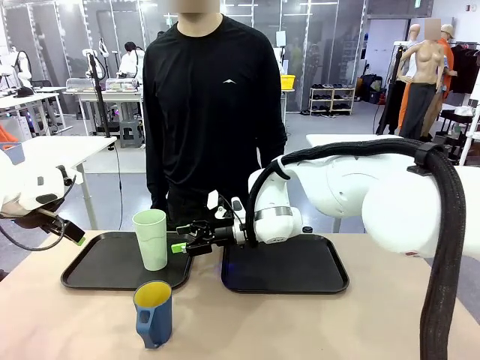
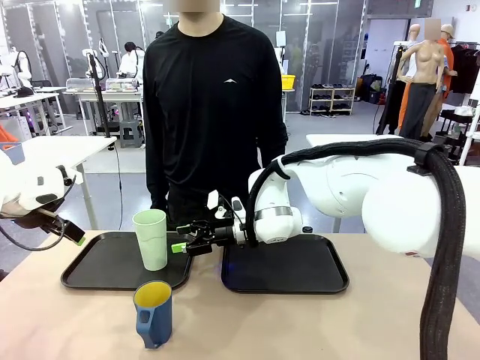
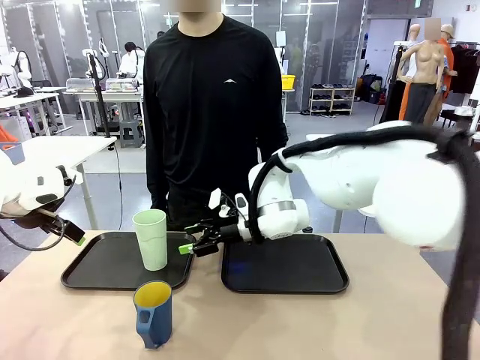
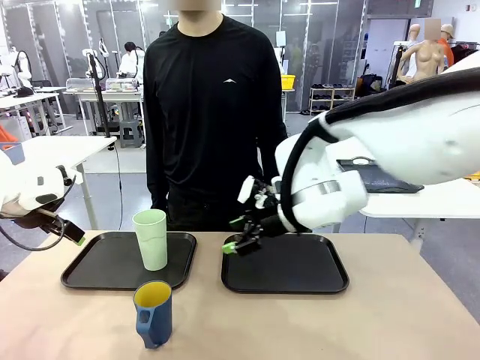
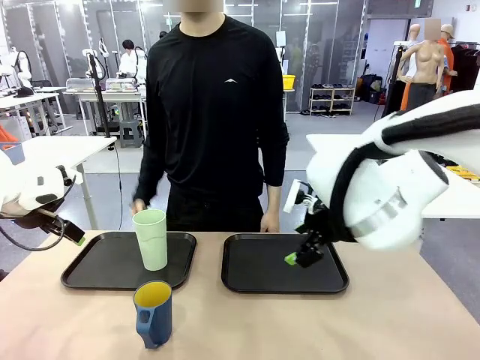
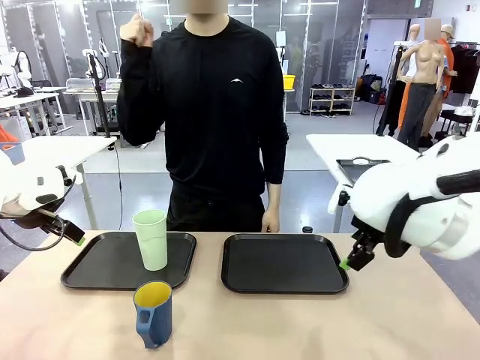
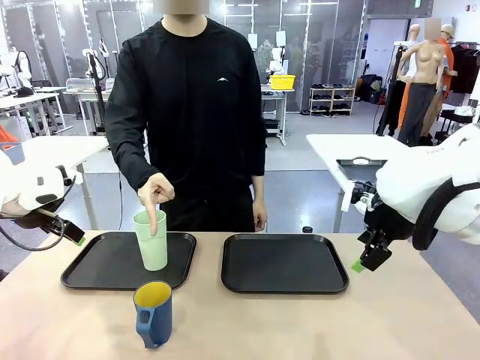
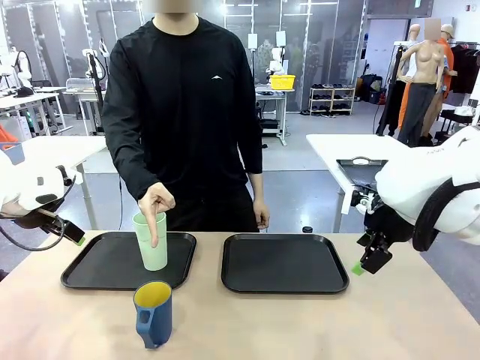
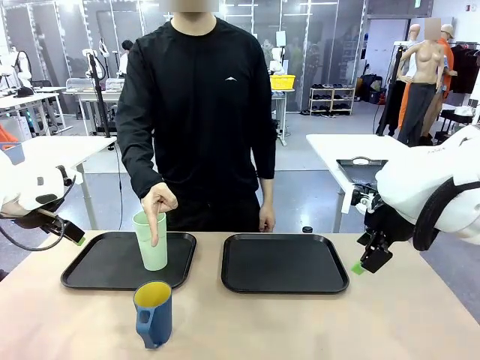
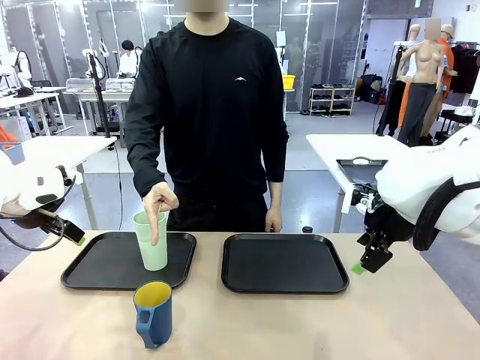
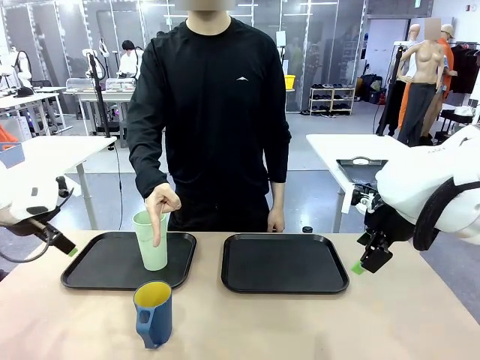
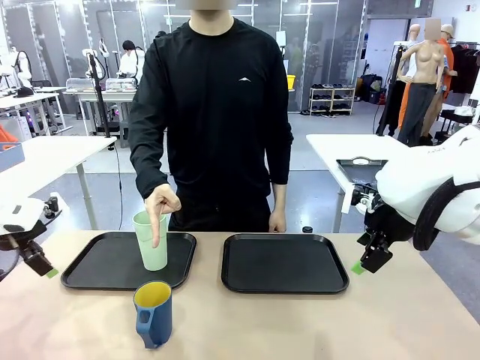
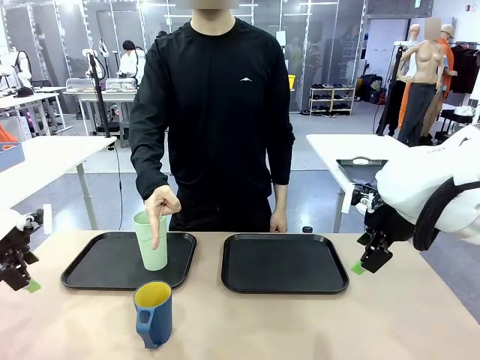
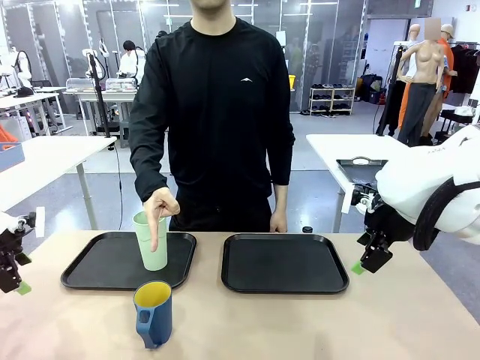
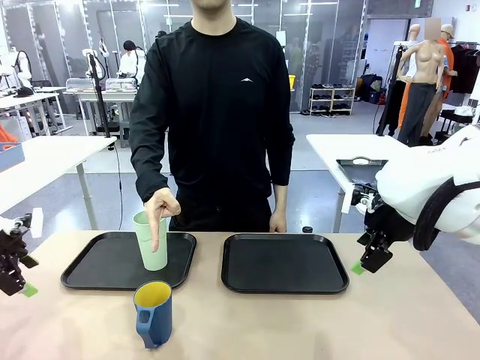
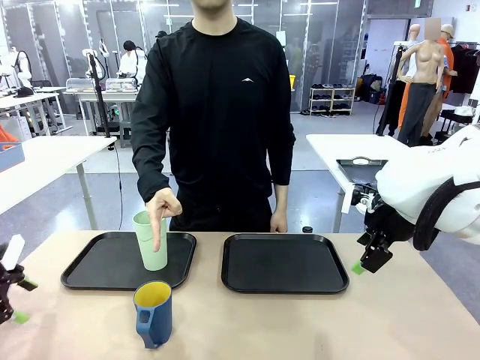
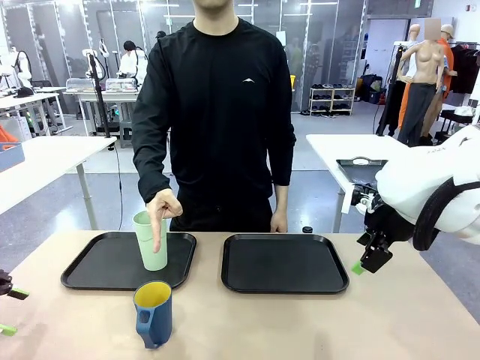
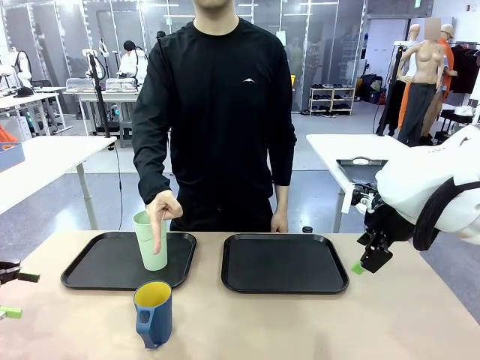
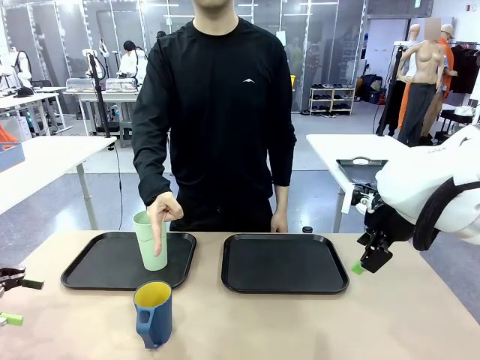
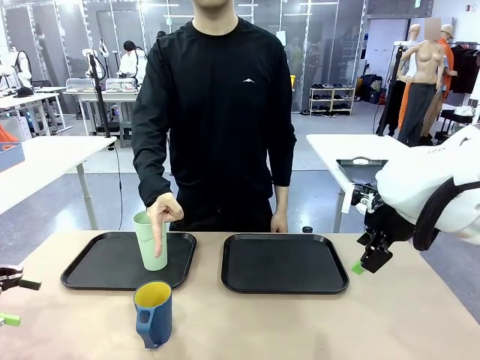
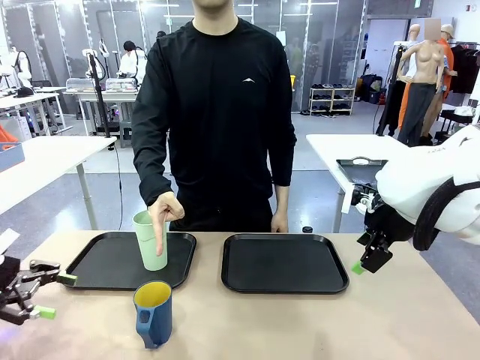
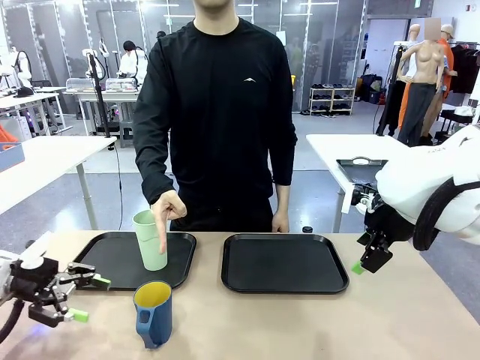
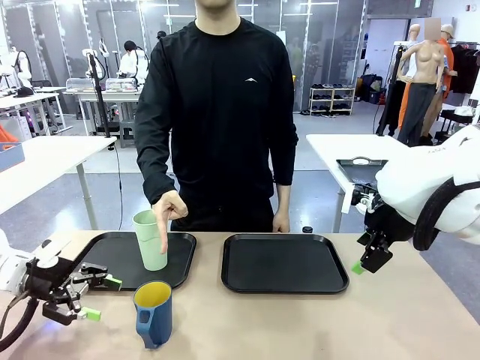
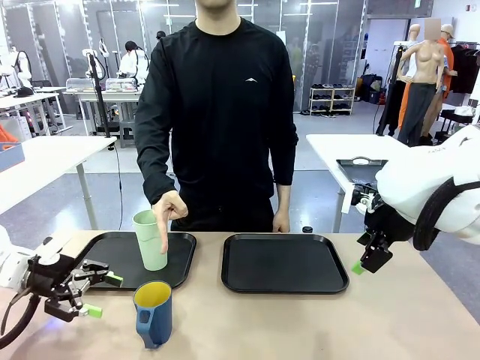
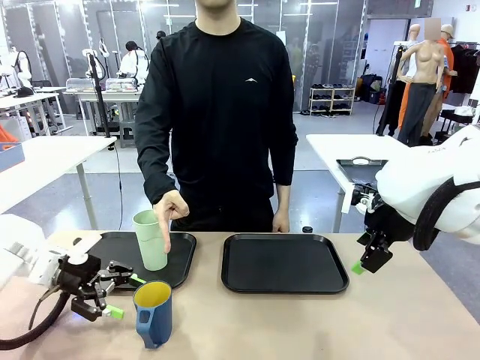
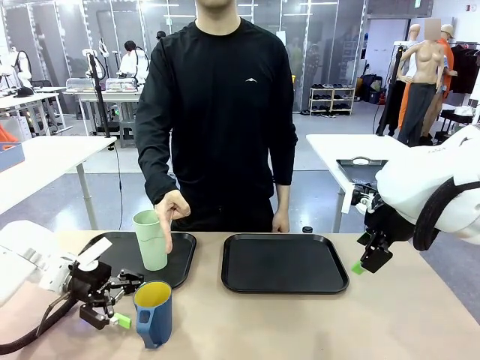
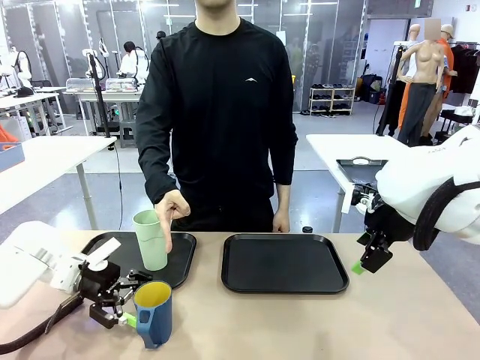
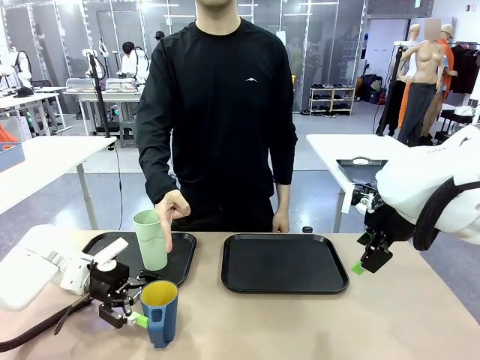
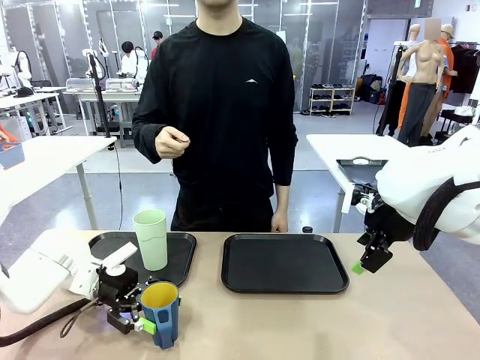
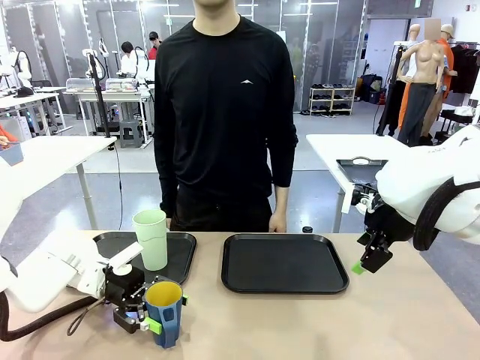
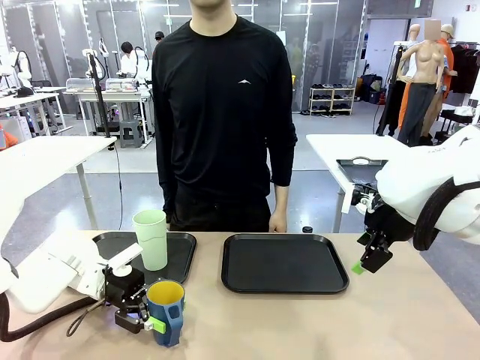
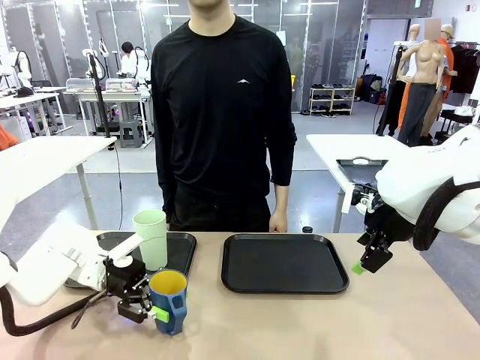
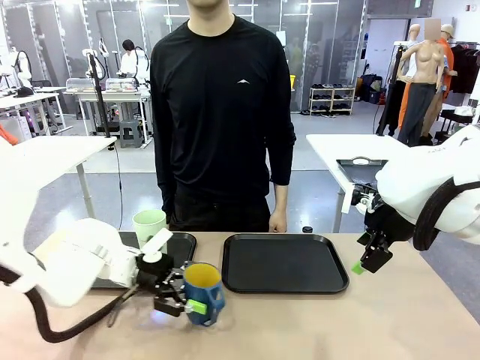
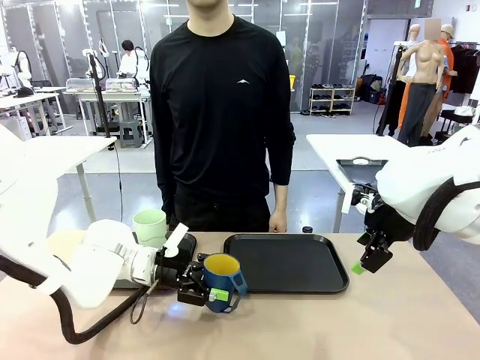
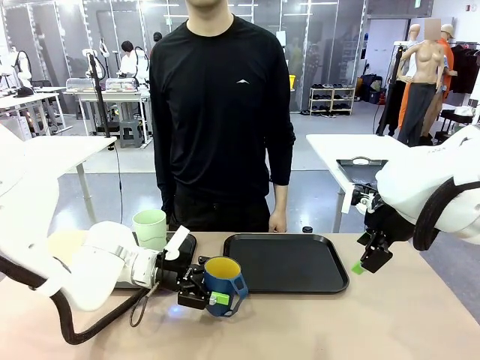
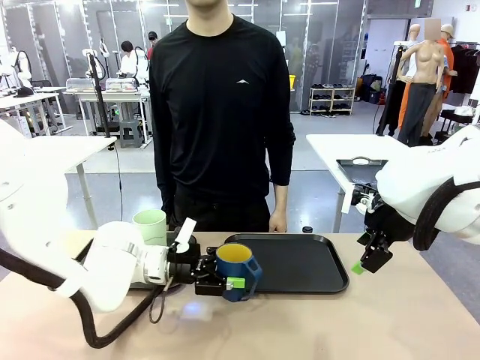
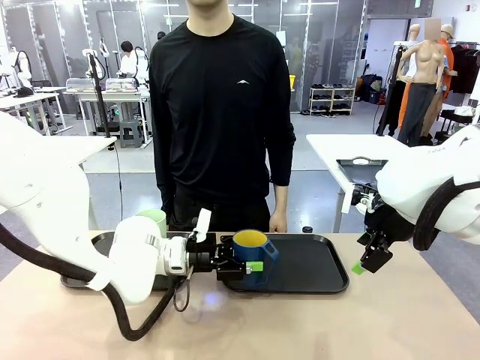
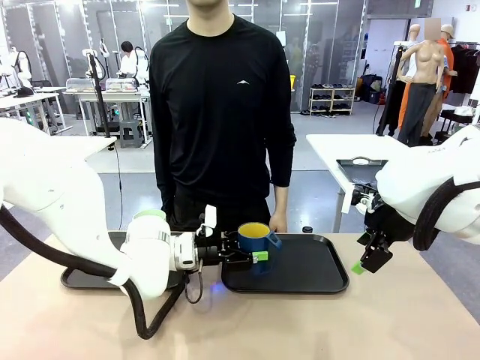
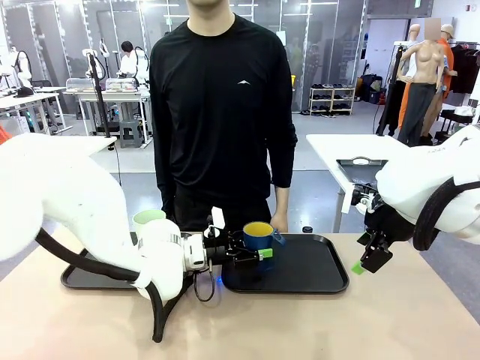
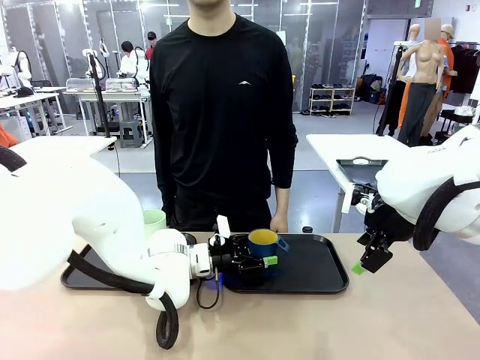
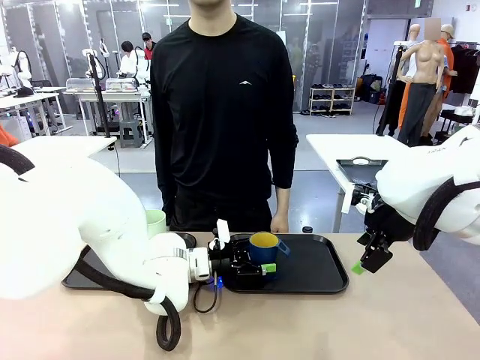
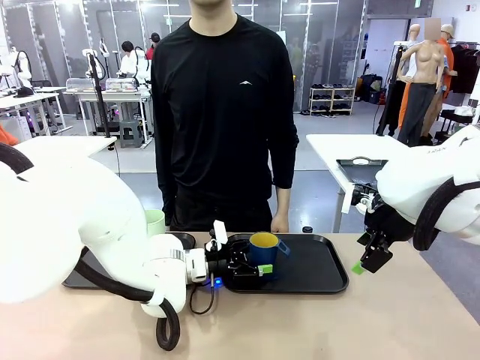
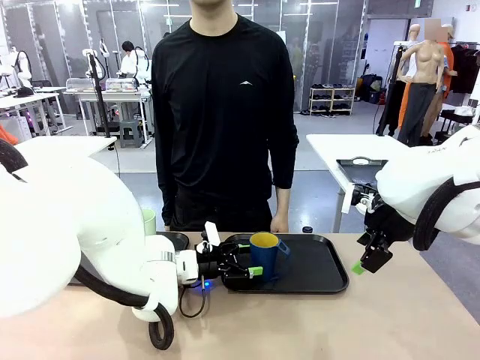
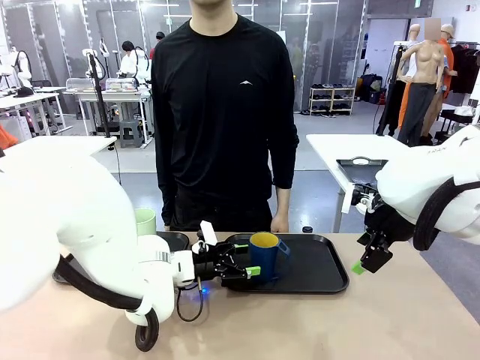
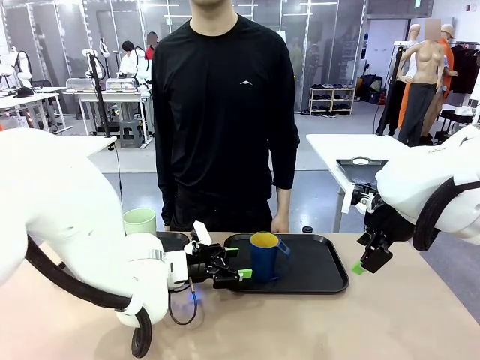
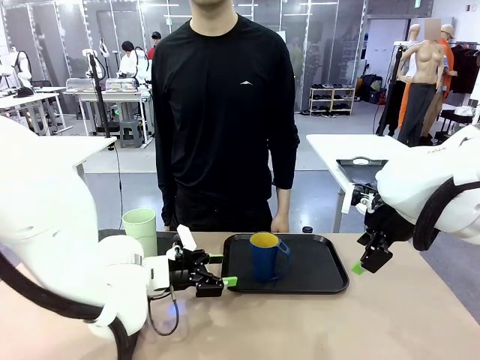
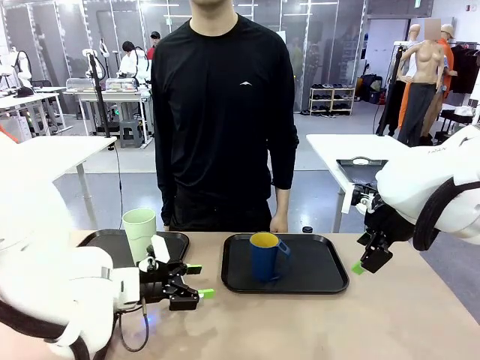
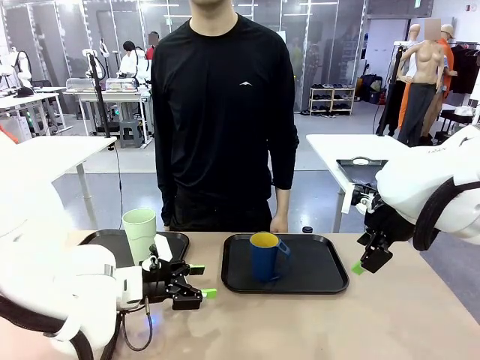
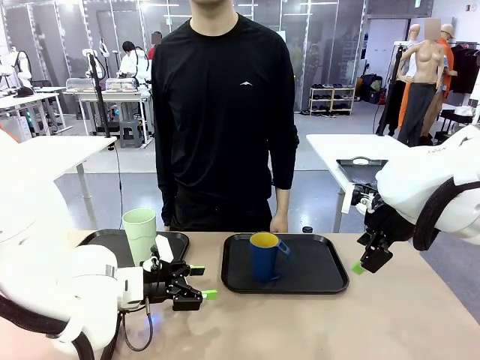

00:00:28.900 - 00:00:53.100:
Task: Sort and store the cups by type.
Robot: Pick up the Handle plastic cup and place it into the empty Flat Tray.
Person: Points to the cup with a handle.

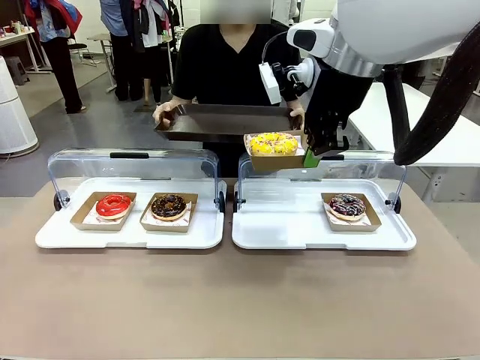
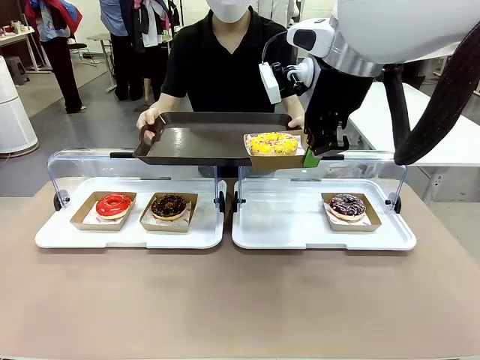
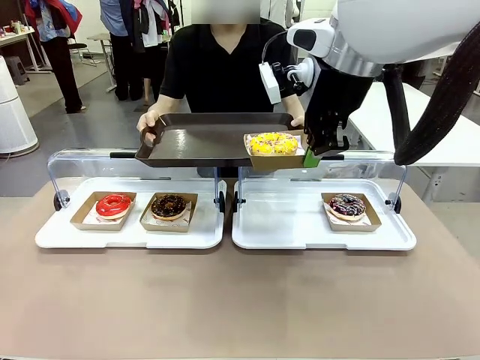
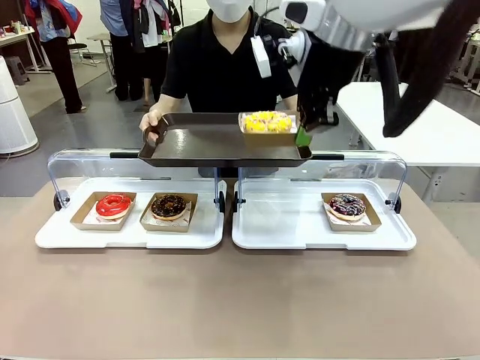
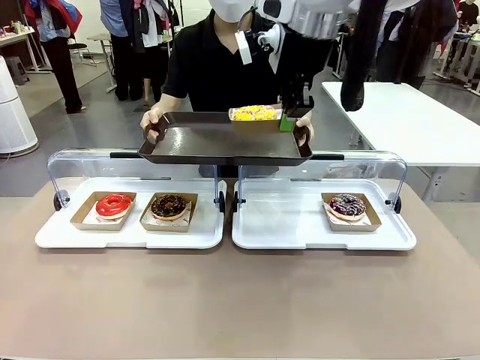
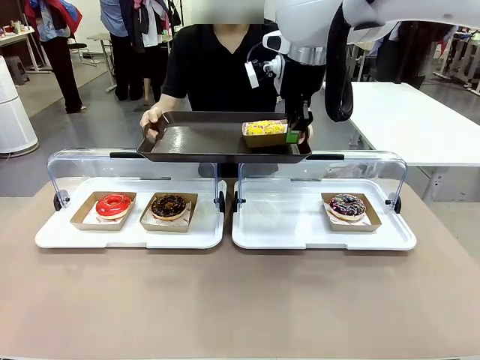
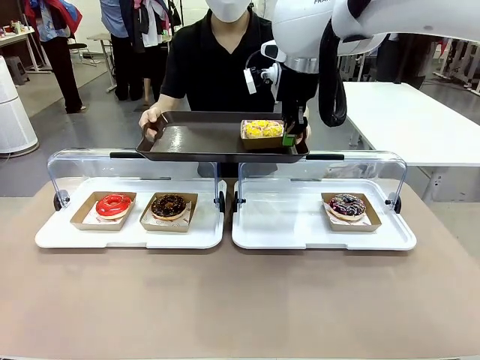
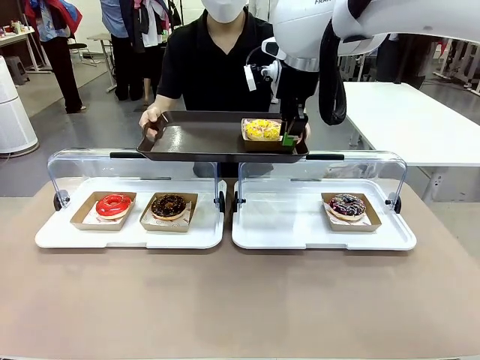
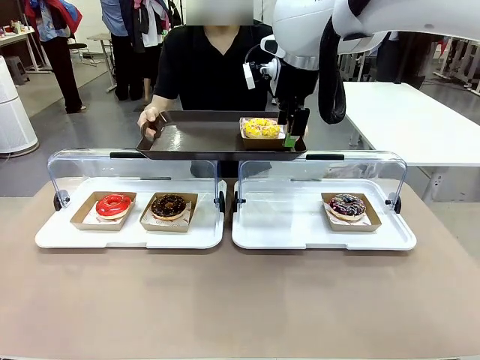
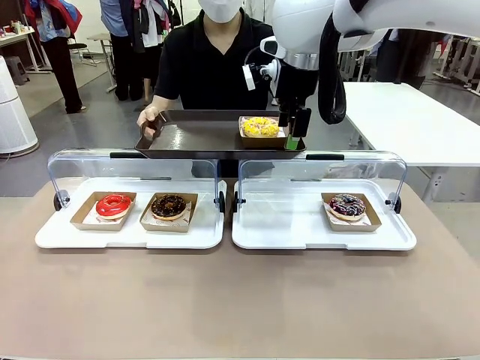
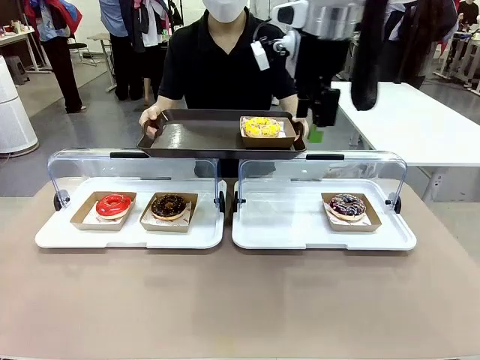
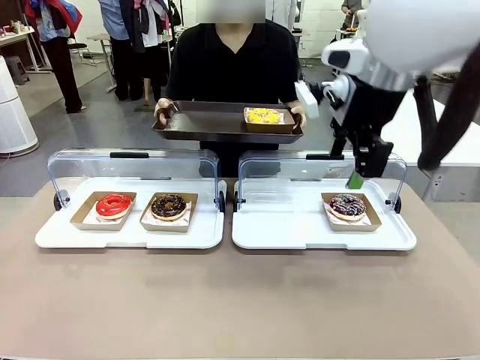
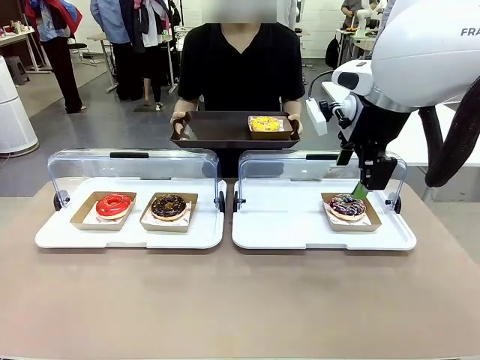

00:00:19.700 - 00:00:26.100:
Task: Provide the desired donut to the person.
Robot: Place the picked Paper togo box onto the Handle tray extended by the person.
